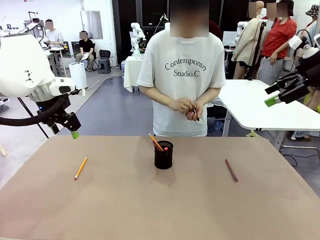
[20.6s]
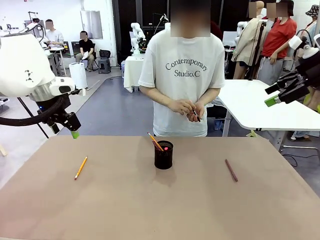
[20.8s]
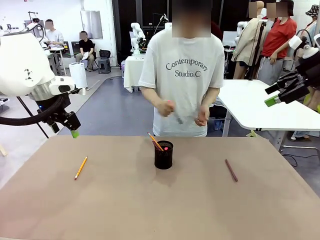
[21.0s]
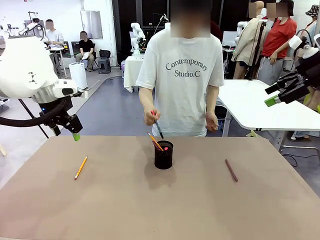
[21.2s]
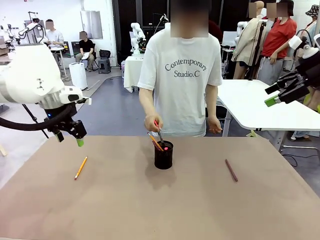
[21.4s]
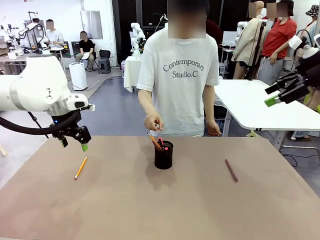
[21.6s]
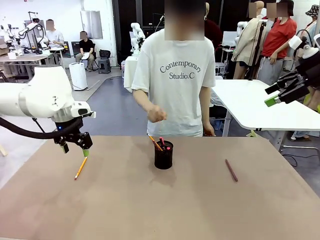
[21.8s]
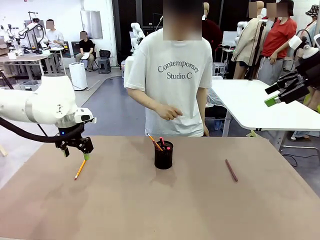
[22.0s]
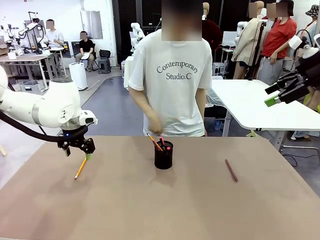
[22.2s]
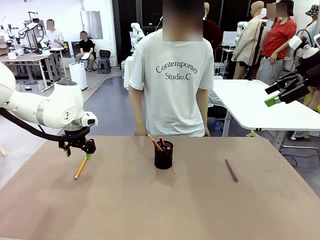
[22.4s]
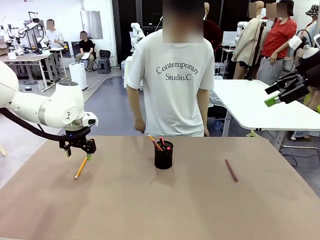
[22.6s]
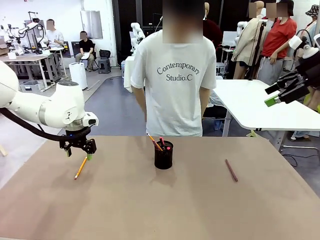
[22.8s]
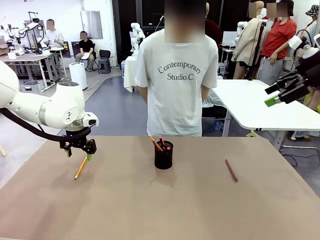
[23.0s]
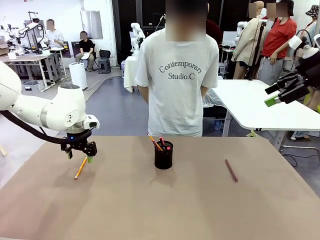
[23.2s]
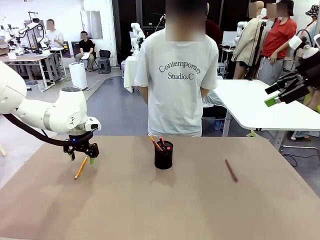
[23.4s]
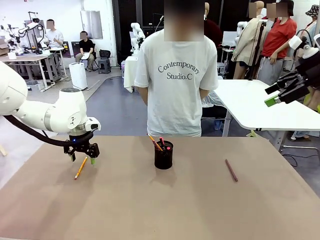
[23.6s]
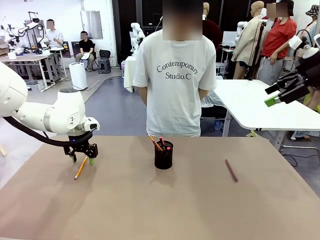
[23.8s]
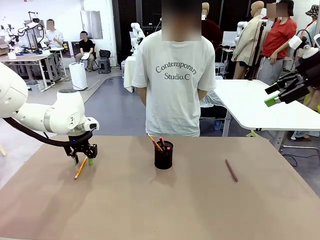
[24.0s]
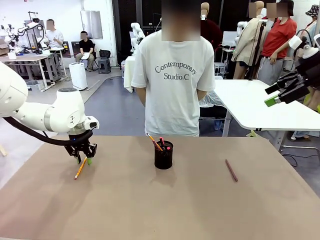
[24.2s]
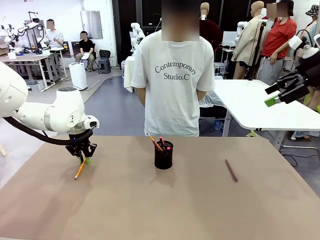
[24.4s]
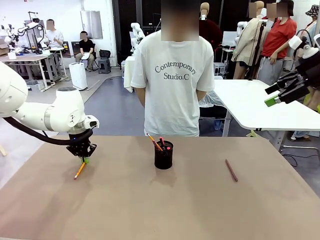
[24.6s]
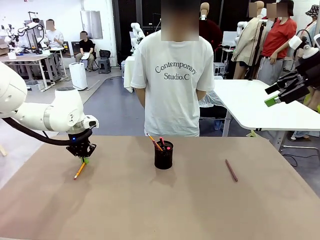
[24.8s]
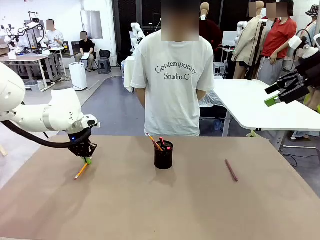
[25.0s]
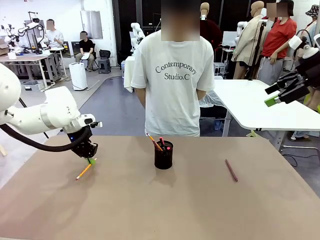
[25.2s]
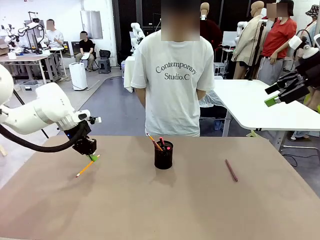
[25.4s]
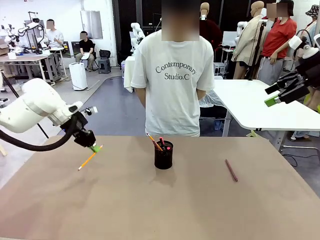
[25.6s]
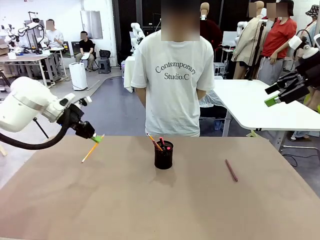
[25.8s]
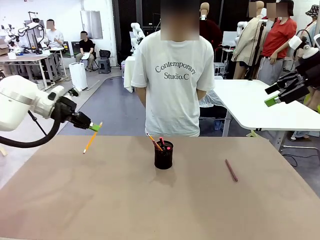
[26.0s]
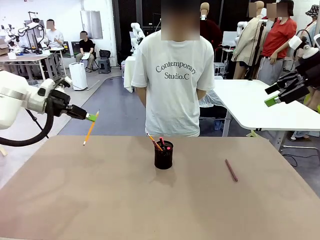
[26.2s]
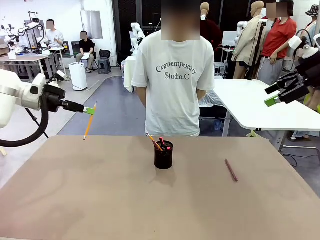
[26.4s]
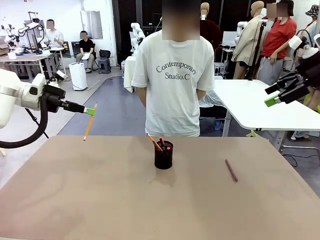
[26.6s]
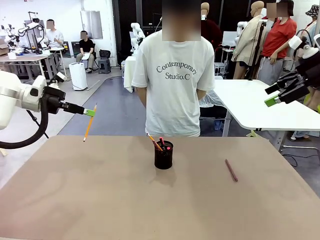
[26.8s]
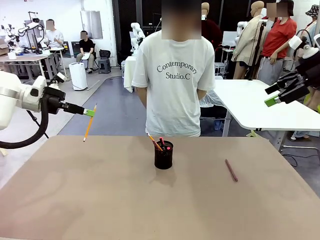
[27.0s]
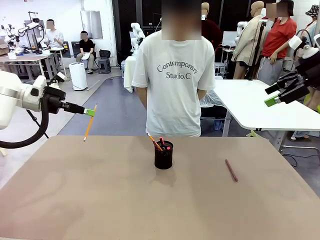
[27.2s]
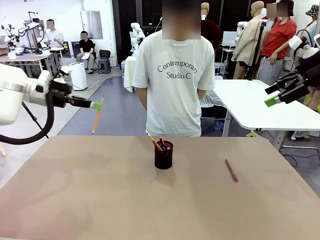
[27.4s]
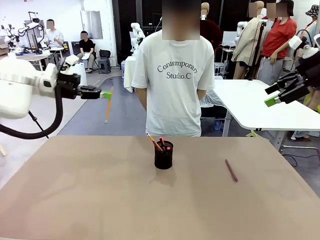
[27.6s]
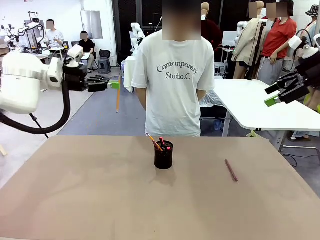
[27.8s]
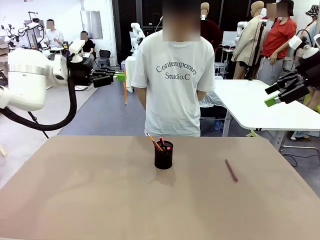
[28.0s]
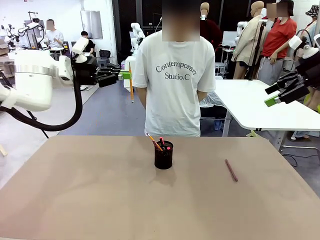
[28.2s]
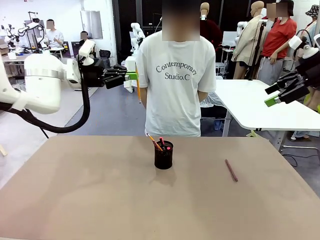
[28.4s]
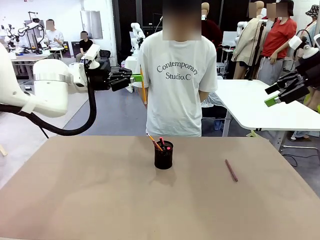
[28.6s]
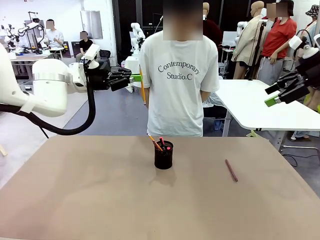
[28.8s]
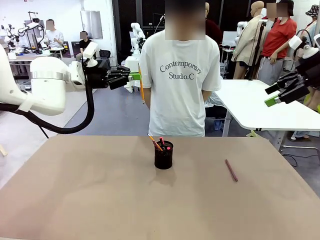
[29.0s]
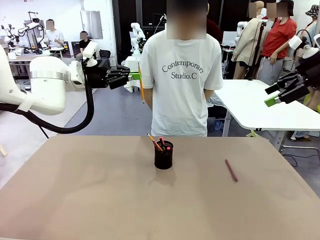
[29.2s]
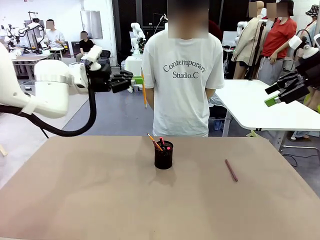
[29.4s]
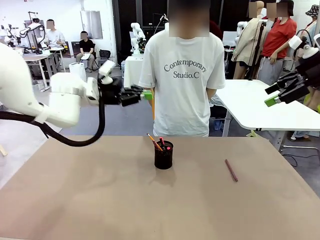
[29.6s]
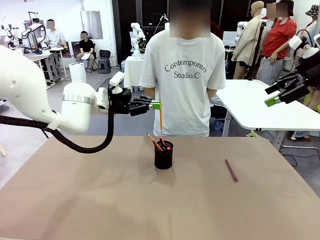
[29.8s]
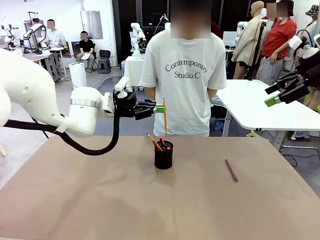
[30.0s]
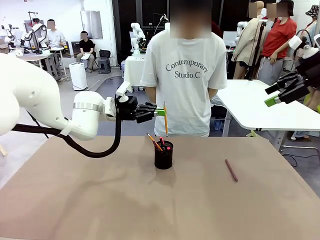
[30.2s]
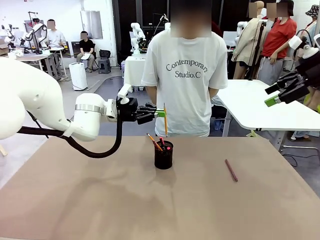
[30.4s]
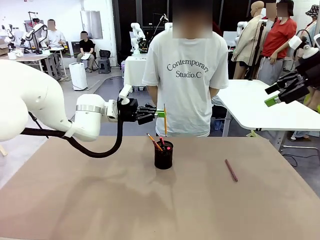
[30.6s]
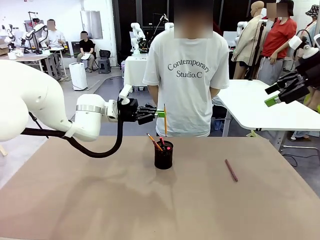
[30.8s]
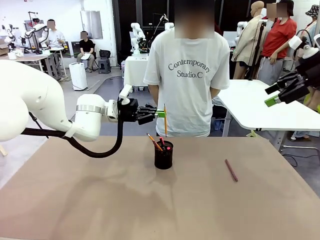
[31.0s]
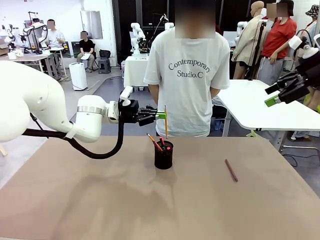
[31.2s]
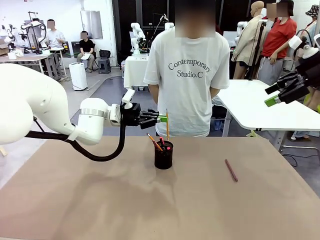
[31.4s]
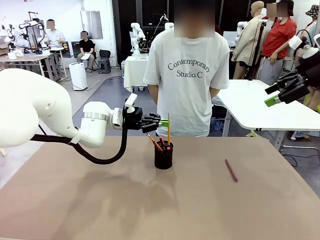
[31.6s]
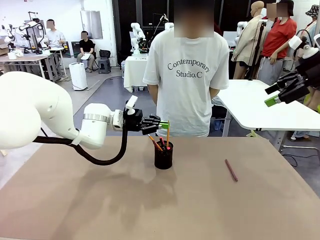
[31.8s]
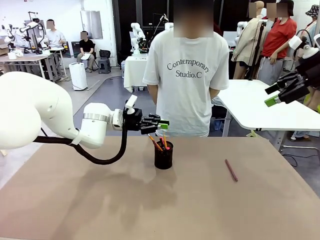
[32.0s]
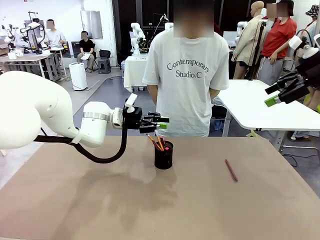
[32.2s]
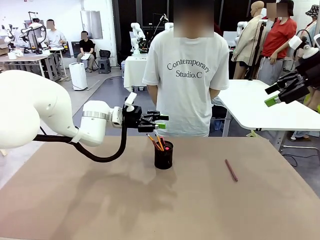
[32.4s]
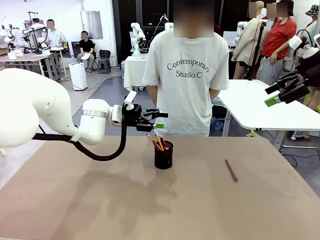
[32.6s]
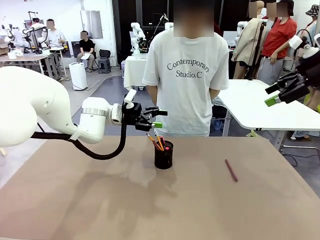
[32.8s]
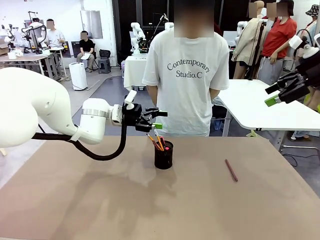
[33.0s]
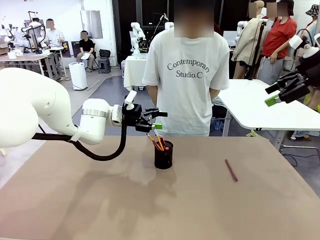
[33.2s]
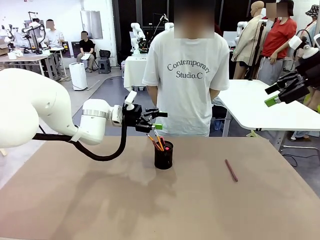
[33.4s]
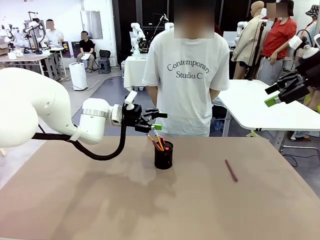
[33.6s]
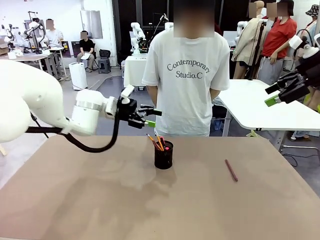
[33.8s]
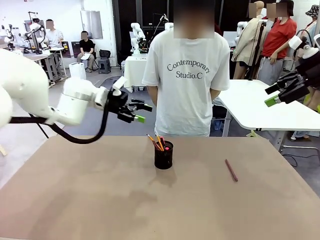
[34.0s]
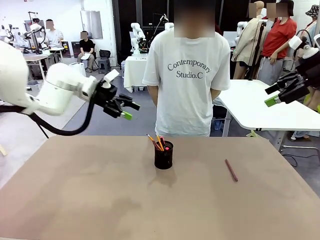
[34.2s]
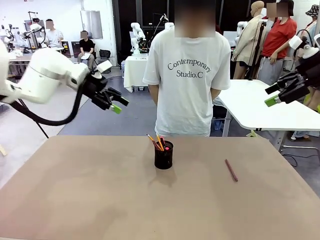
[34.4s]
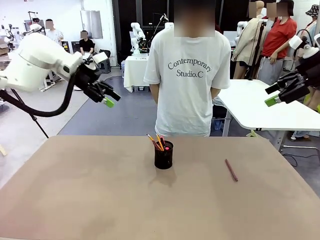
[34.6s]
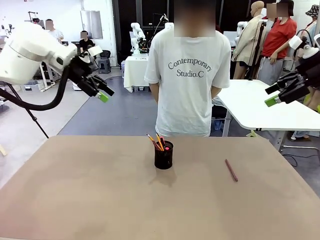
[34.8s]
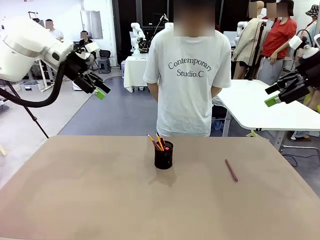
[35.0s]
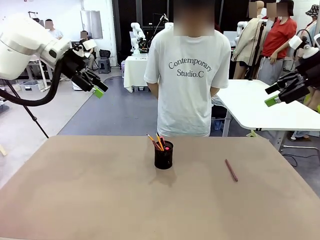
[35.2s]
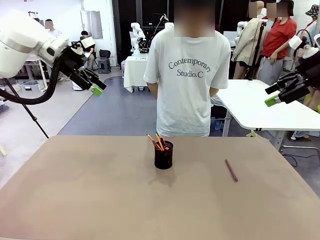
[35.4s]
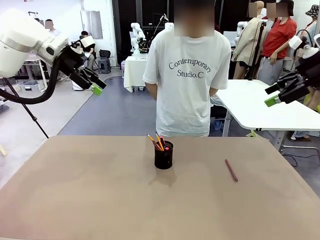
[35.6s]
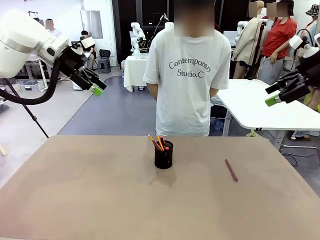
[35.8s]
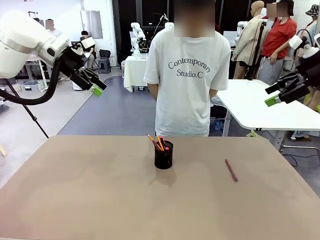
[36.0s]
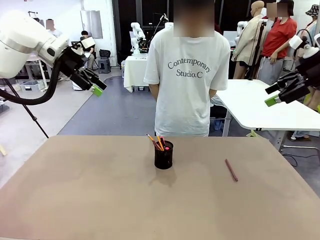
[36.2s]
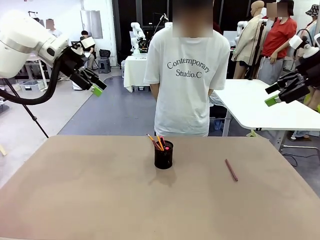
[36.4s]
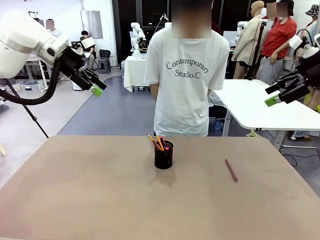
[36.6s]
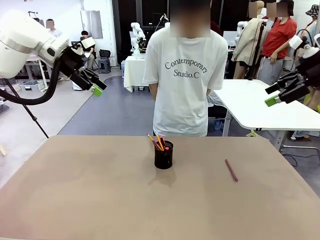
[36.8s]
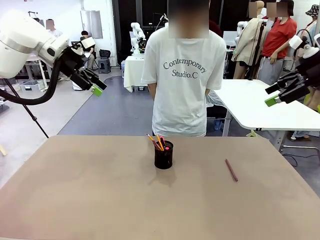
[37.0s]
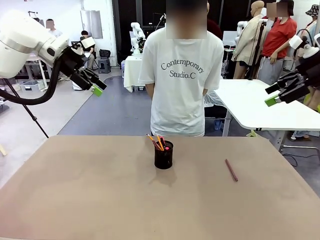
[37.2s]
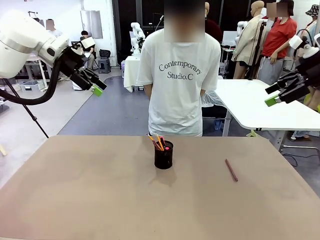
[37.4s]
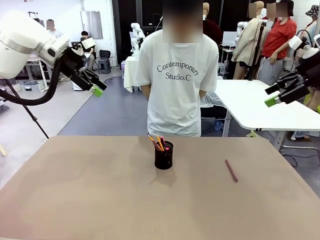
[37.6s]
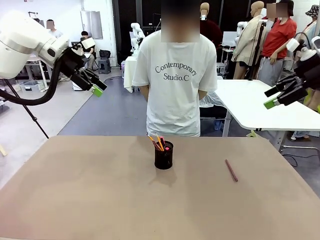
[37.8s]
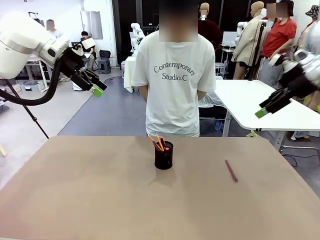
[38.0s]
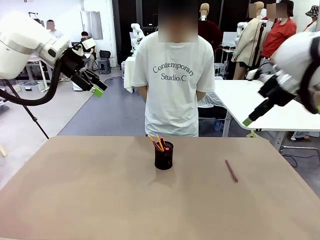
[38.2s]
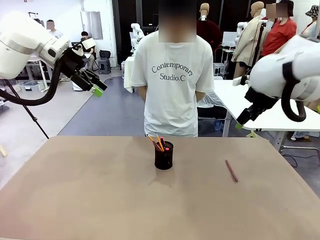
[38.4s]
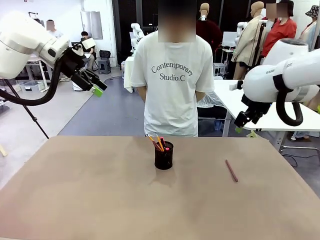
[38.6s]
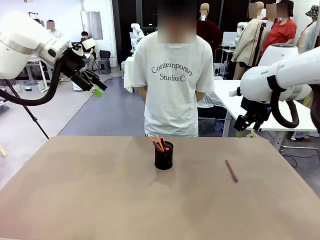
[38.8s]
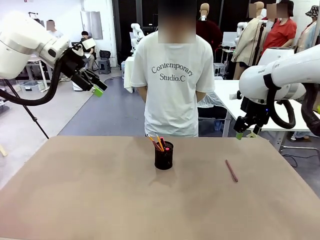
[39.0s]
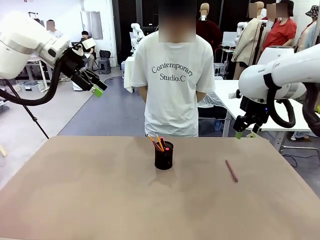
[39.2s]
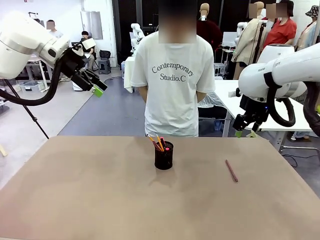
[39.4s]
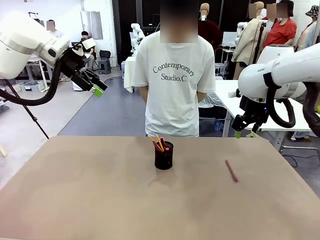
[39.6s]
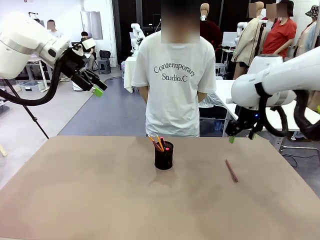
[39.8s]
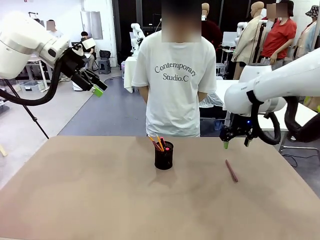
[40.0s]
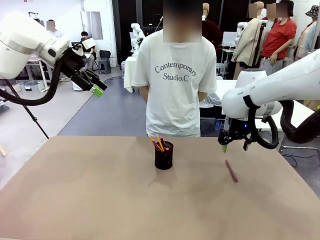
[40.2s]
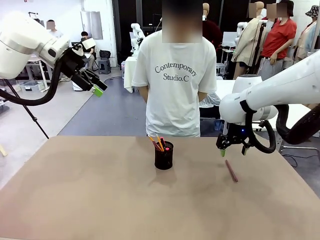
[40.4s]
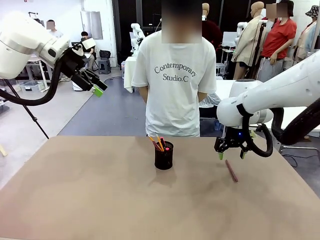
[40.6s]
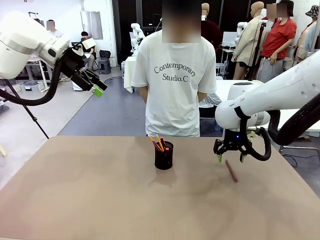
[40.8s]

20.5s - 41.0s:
Task: Place the pens into the pen holder.
Robot: Pick up a writing instrument from the table and place it into the Pen holder.
